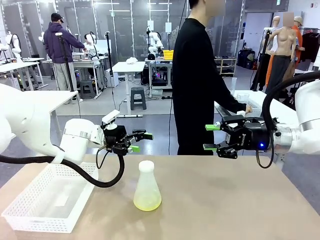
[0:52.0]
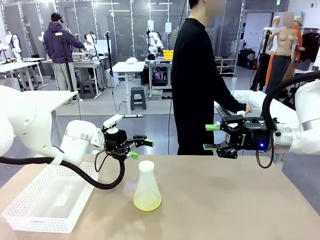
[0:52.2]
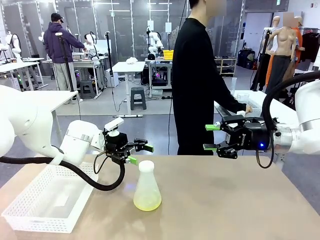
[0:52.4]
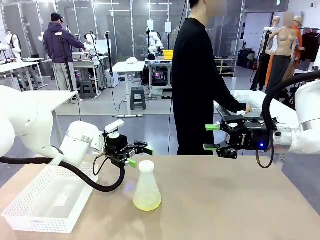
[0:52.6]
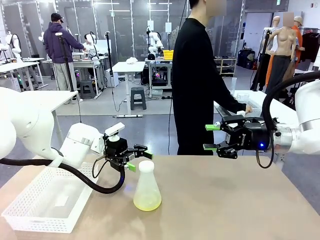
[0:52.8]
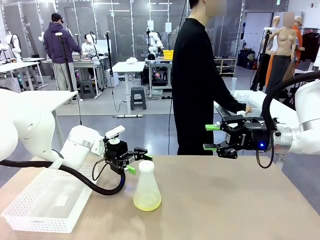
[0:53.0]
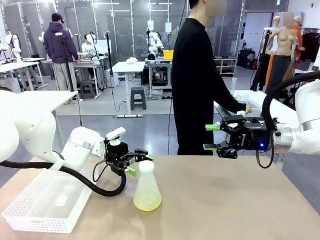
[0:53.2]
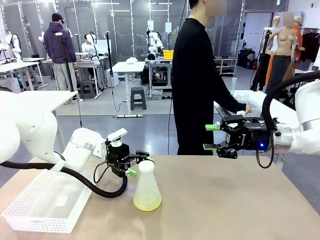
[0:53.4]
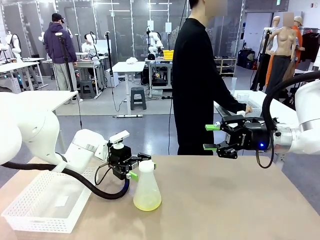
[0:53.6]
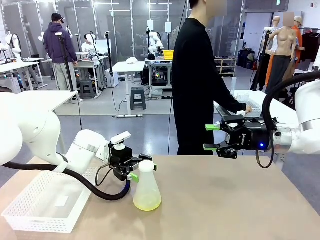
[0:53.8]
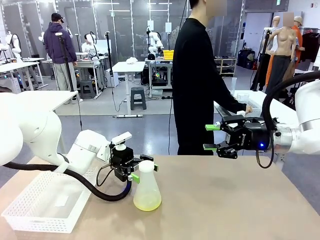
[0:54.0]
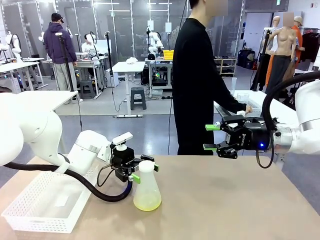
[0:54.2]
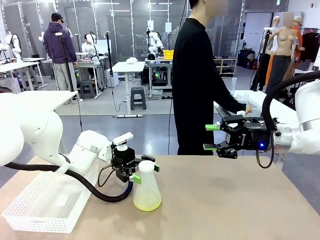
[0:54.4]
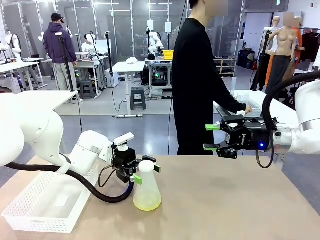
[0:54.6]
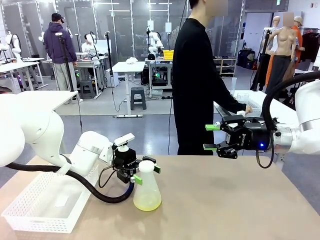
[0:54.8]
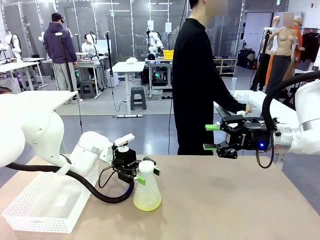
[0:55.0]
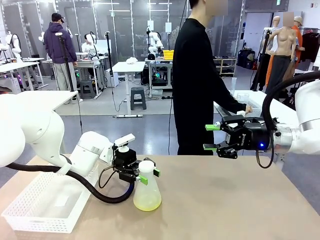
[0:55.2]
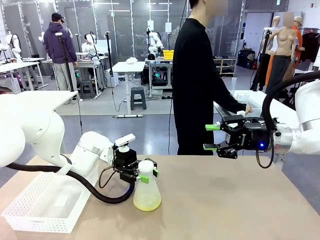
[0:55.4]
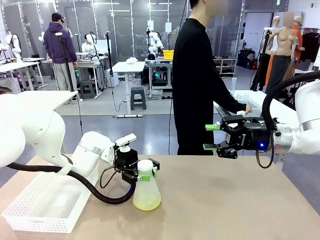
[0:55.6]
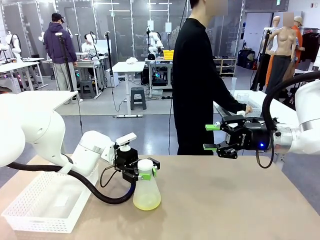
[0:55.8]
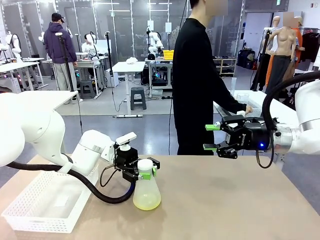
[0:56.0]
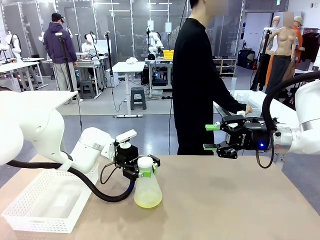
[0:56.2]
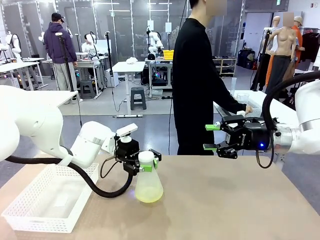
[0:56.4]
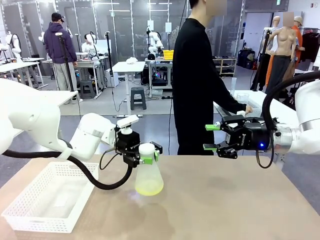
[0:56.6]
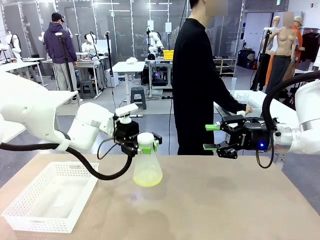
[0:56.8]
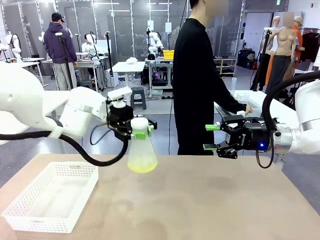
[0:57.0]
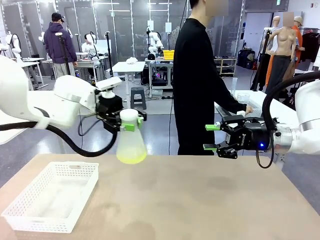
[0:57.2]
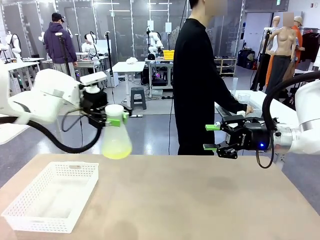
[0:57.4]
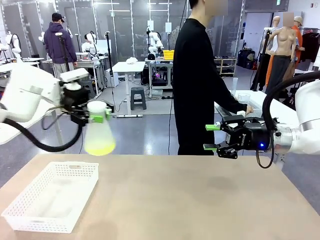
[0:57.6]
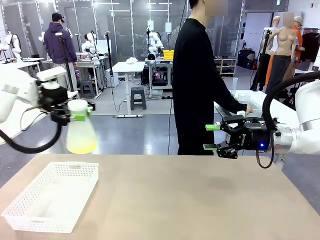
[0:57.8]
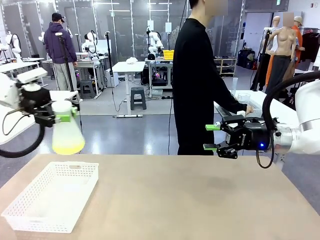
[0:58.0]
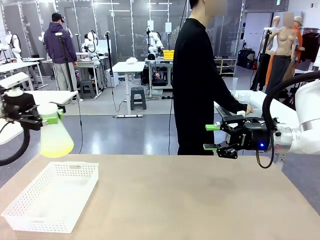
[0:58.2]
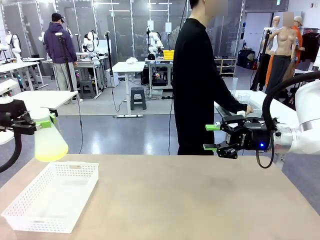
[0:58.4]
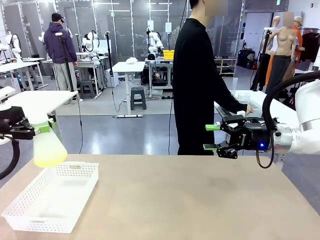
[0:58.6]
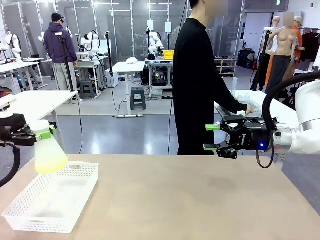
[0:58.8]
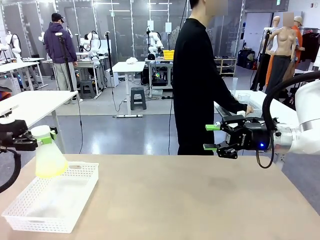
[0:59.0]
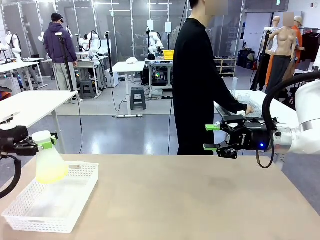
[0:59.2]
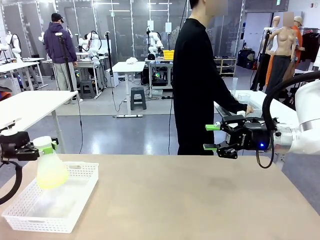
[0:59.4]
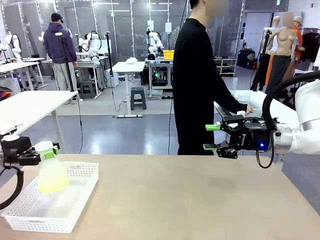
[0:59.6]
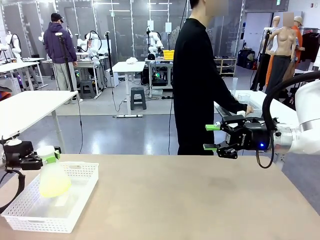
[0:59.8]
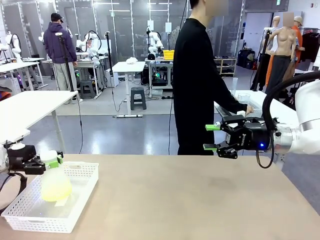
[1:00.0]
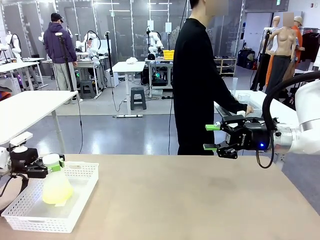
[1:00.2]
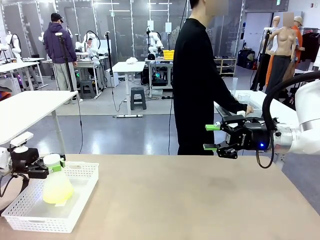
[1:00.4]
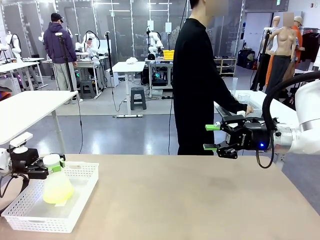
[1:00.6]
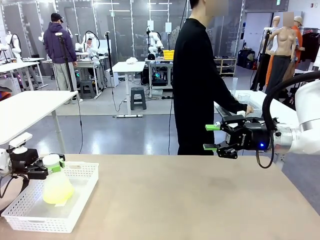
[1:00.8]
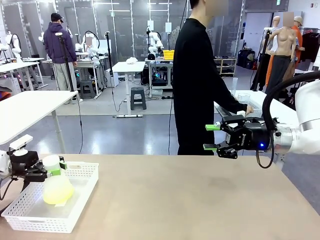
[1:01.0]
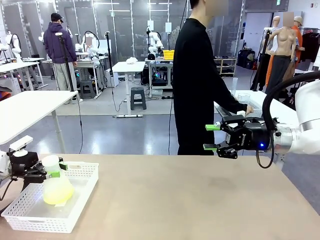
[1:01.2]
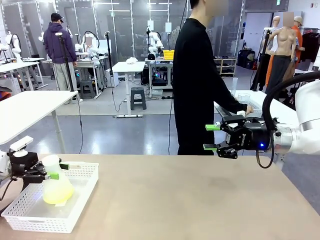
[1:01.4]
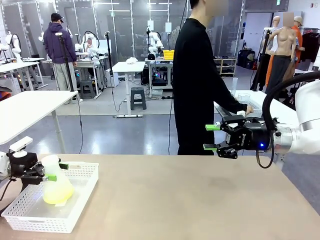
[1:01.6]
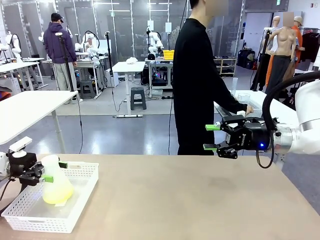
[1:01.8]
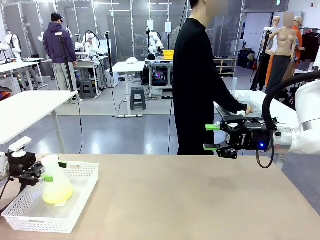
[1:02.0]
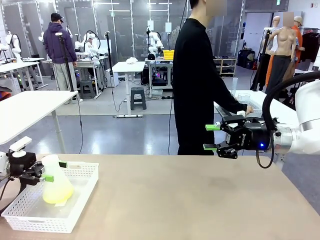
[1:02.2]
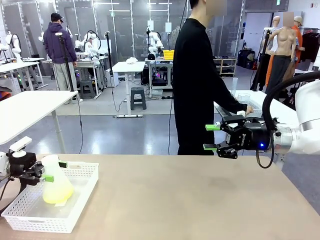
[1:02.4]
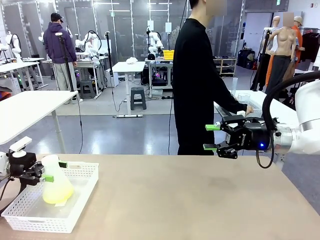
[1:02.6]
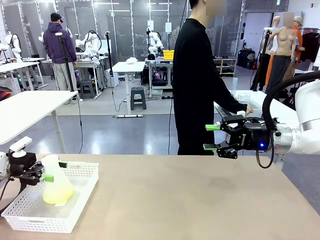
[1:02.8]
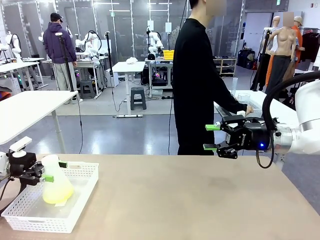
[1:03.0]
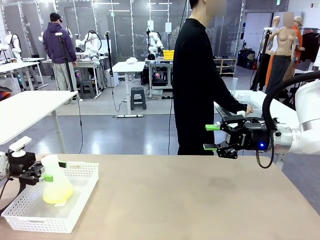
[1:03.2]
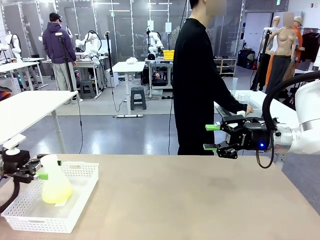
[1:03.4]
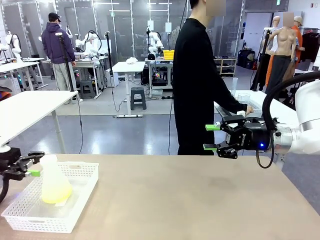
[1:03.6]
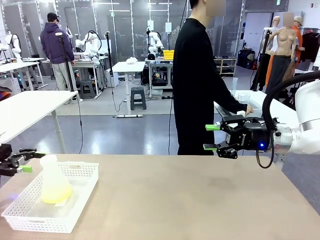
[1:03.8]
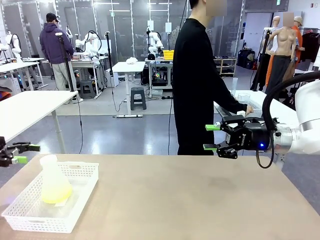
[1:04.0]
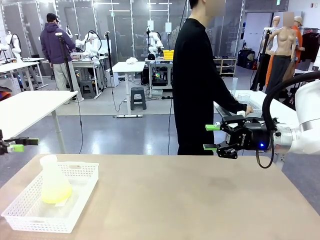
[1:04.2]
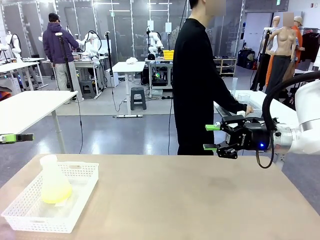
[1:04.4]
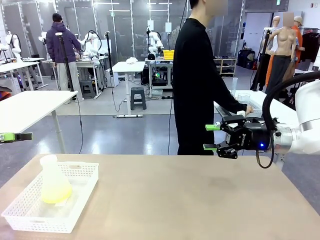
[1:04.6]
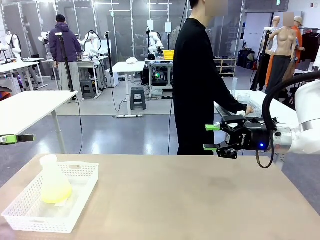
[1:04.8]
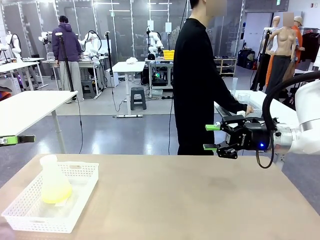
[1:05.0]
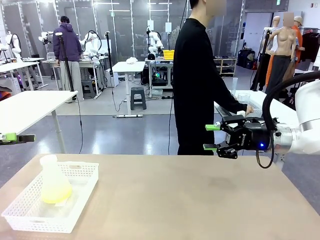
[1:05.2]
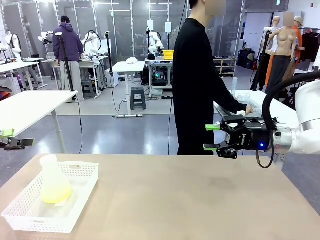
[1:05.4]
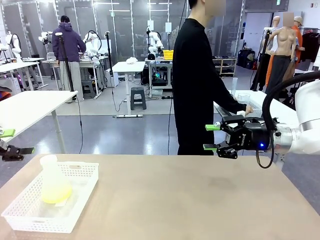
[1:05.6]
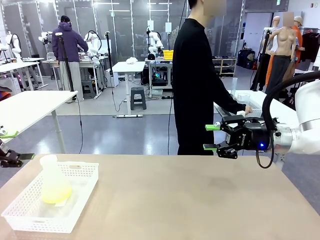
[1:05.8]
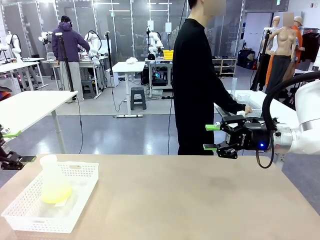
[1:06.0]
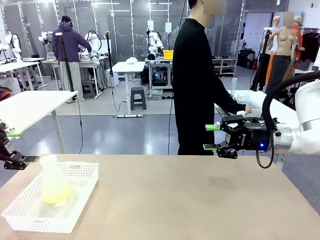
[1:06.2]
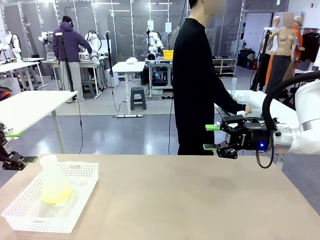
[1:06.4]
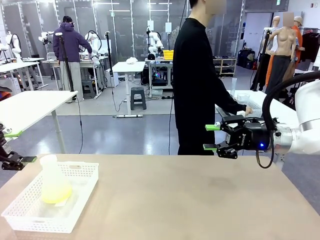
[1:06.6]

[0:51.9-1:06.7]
Task: Prepare the solutions needed for the experiment.
Robot: When the human places the Big flask in the center of the table, pick up the Big flask and place it in the left Organizing basket.
Person: Pick up the organizing basket on the left side of the robot table and place it on the left side of the human table.
